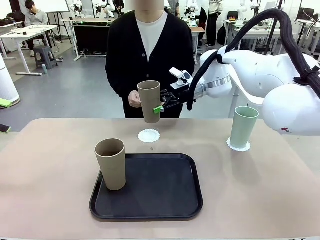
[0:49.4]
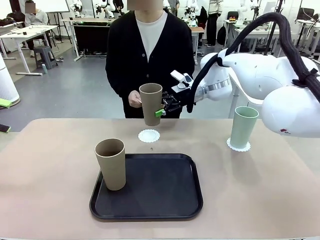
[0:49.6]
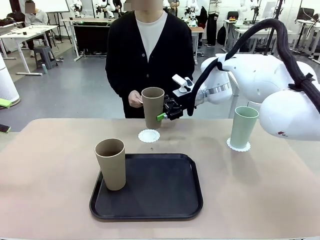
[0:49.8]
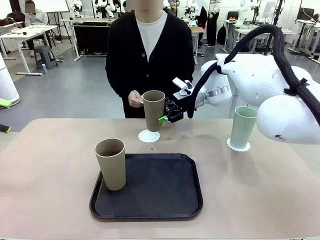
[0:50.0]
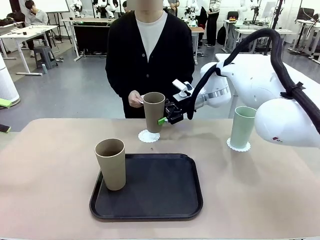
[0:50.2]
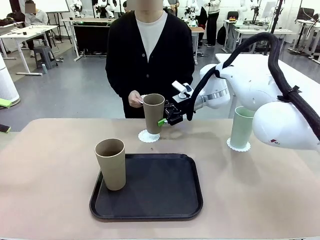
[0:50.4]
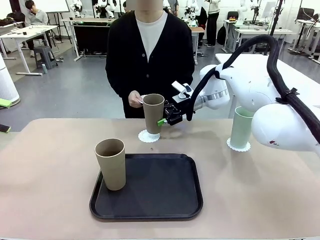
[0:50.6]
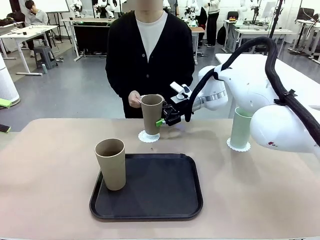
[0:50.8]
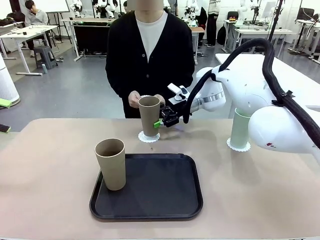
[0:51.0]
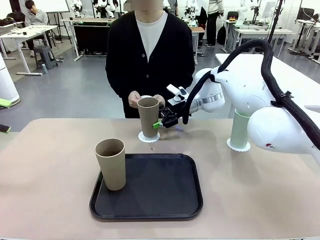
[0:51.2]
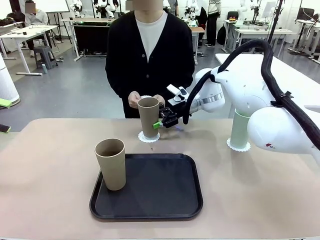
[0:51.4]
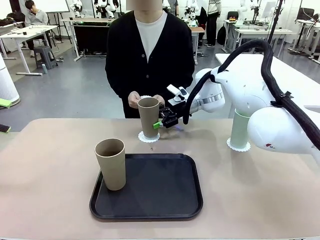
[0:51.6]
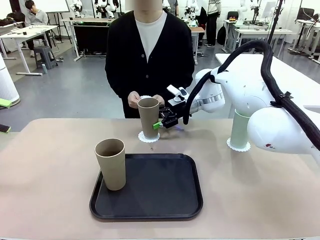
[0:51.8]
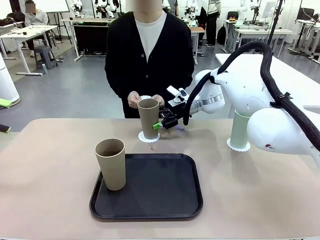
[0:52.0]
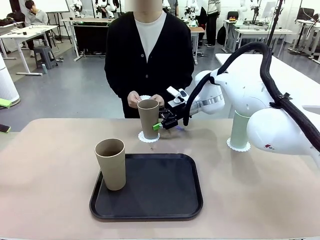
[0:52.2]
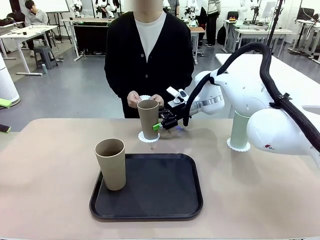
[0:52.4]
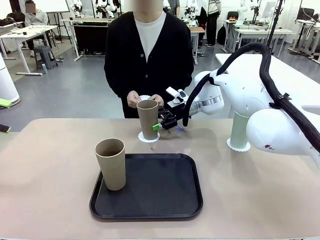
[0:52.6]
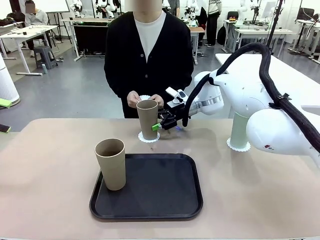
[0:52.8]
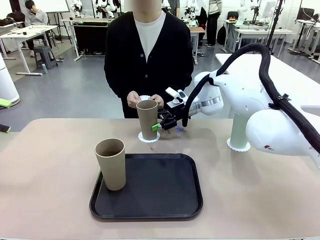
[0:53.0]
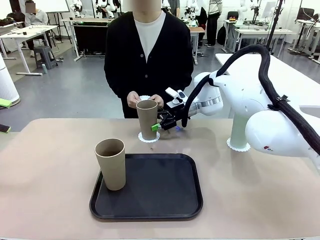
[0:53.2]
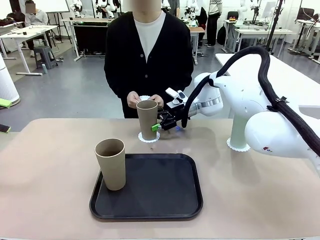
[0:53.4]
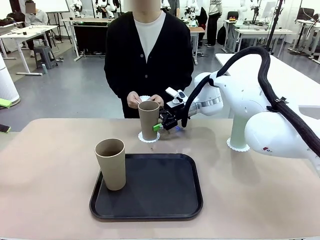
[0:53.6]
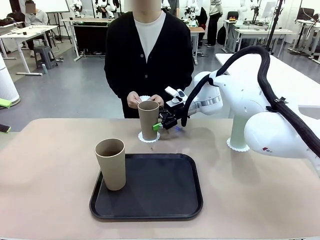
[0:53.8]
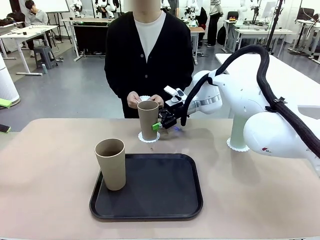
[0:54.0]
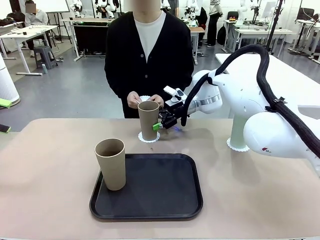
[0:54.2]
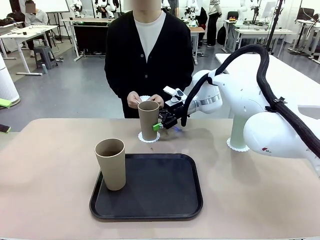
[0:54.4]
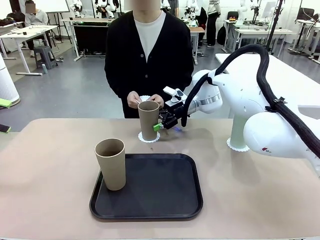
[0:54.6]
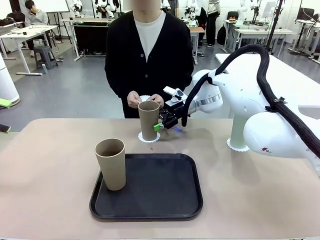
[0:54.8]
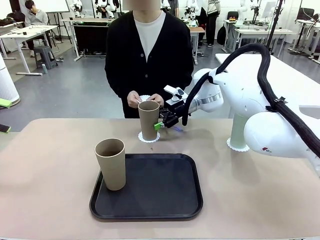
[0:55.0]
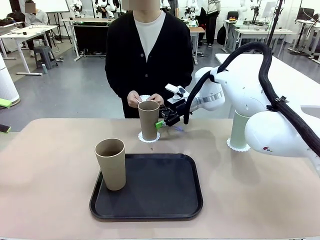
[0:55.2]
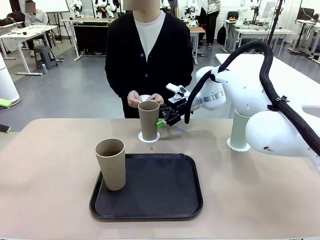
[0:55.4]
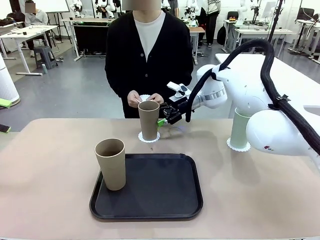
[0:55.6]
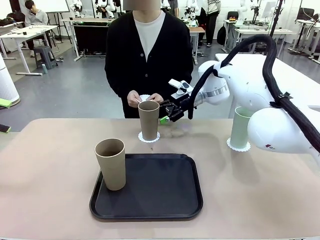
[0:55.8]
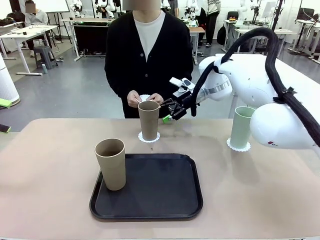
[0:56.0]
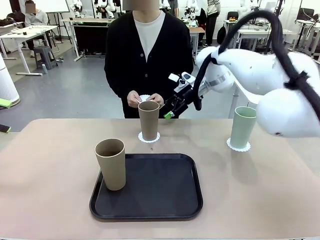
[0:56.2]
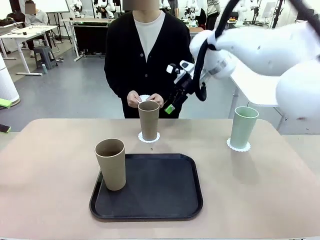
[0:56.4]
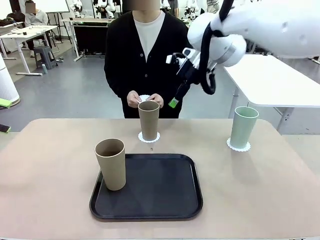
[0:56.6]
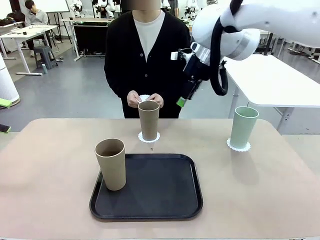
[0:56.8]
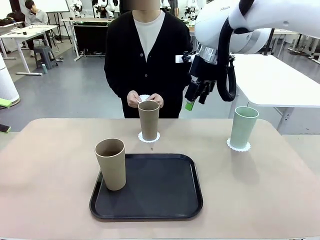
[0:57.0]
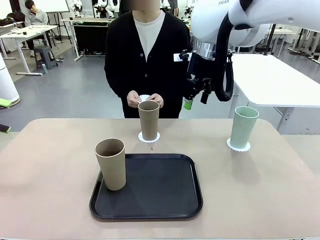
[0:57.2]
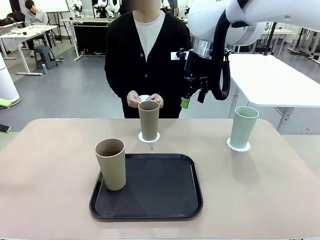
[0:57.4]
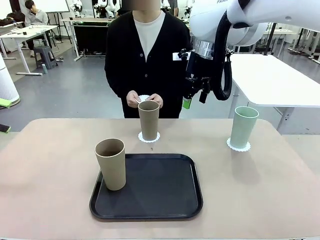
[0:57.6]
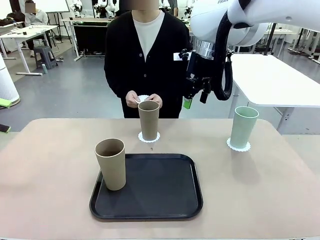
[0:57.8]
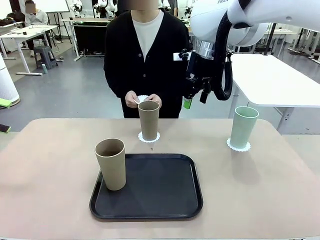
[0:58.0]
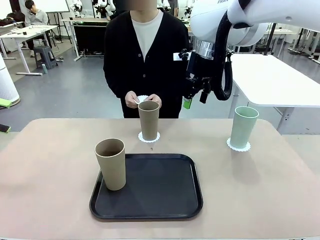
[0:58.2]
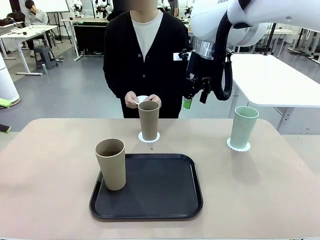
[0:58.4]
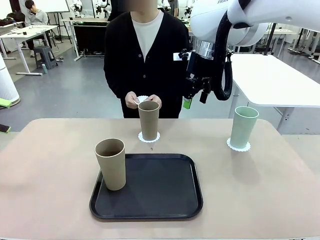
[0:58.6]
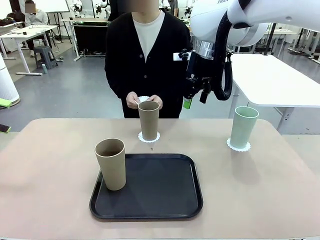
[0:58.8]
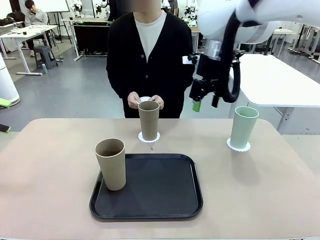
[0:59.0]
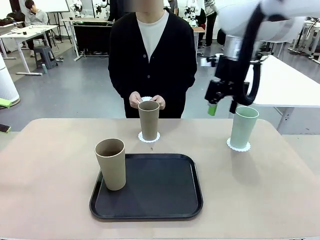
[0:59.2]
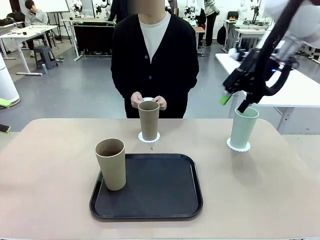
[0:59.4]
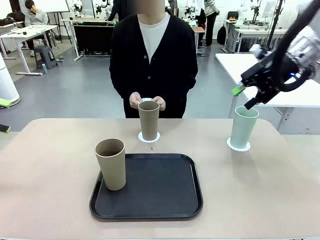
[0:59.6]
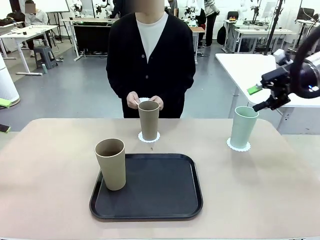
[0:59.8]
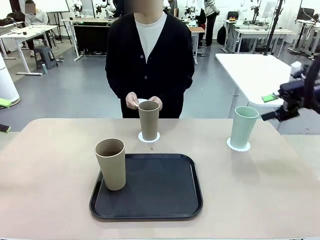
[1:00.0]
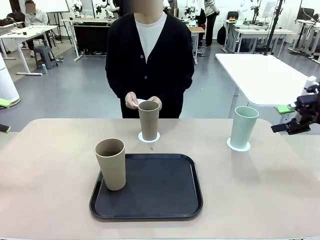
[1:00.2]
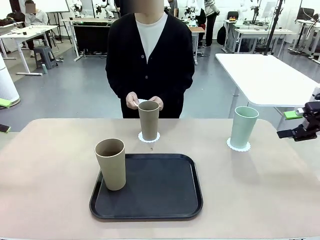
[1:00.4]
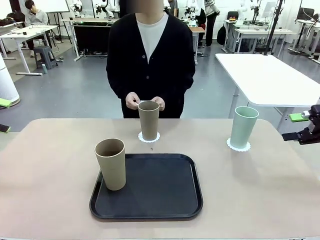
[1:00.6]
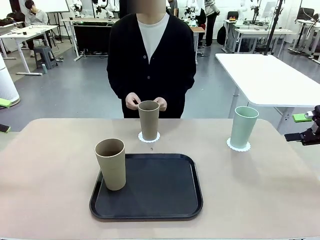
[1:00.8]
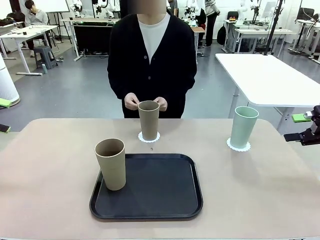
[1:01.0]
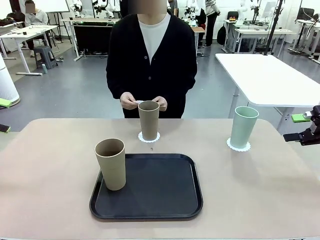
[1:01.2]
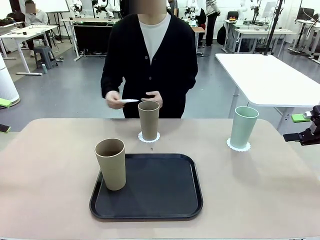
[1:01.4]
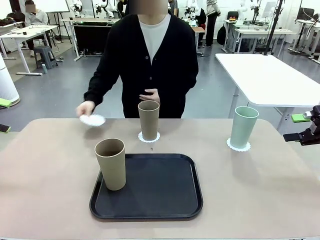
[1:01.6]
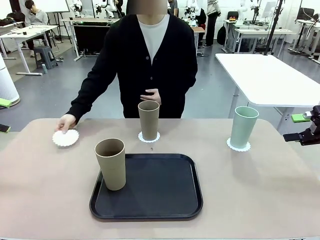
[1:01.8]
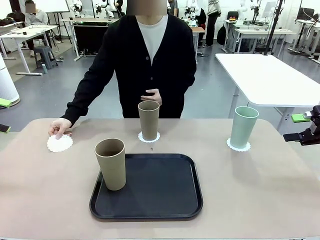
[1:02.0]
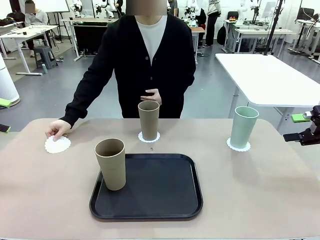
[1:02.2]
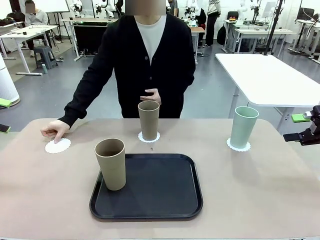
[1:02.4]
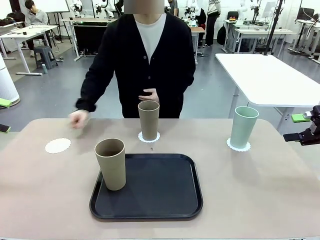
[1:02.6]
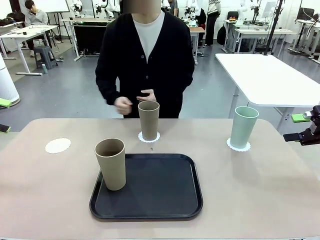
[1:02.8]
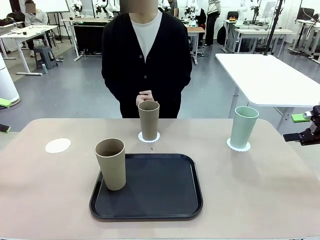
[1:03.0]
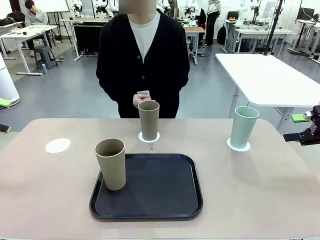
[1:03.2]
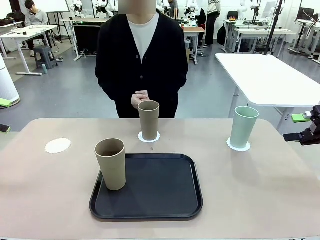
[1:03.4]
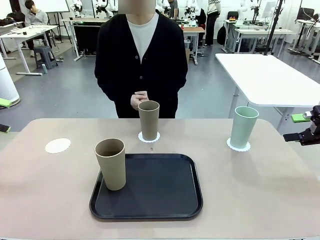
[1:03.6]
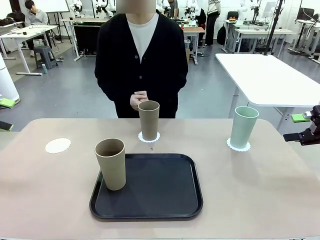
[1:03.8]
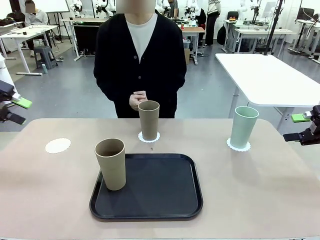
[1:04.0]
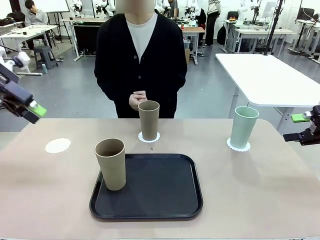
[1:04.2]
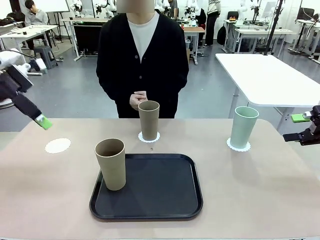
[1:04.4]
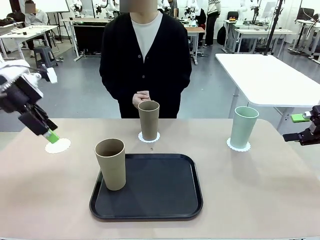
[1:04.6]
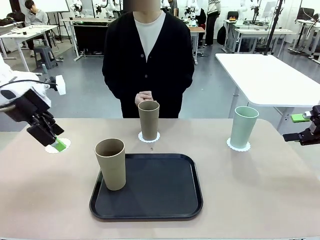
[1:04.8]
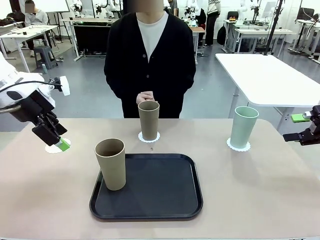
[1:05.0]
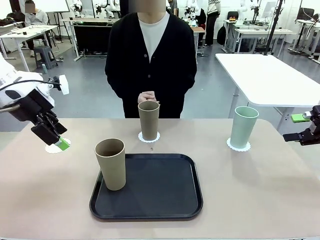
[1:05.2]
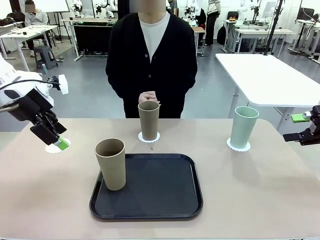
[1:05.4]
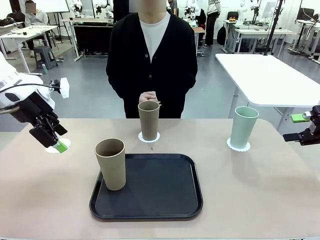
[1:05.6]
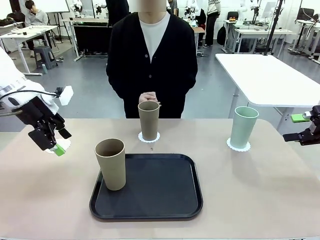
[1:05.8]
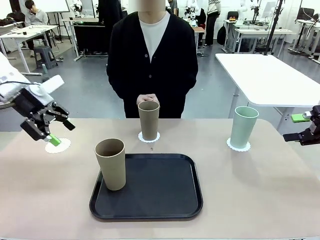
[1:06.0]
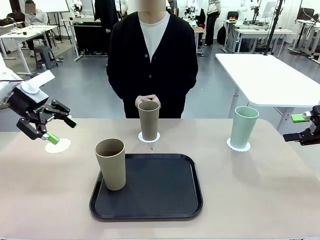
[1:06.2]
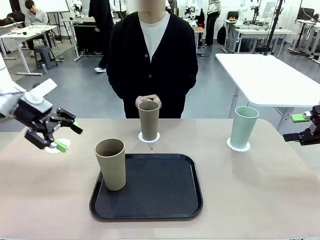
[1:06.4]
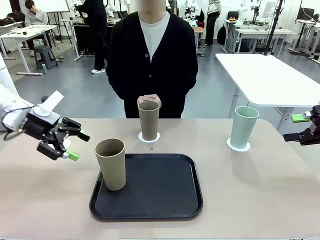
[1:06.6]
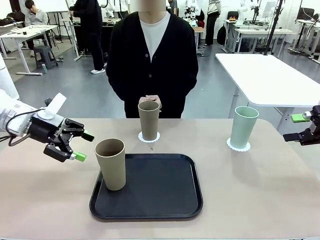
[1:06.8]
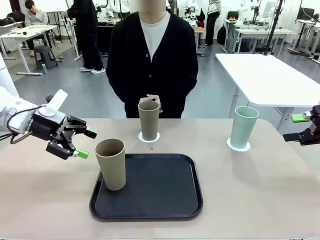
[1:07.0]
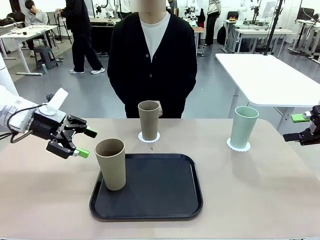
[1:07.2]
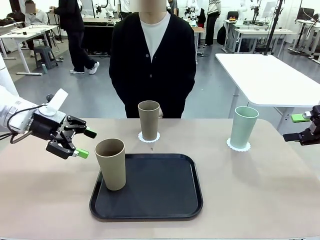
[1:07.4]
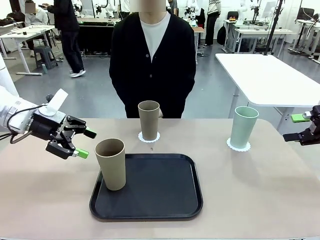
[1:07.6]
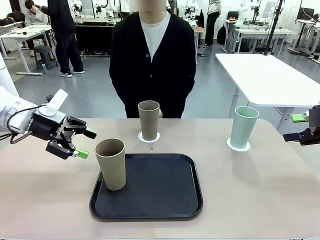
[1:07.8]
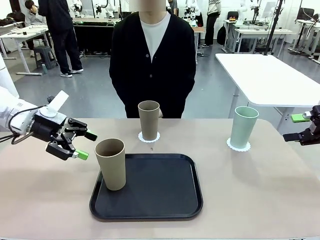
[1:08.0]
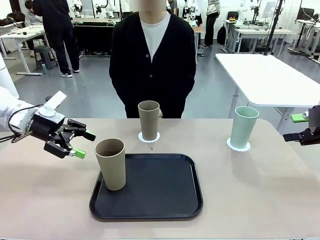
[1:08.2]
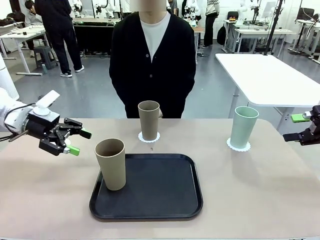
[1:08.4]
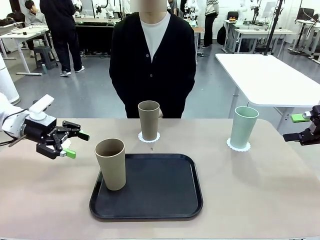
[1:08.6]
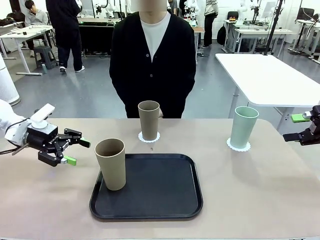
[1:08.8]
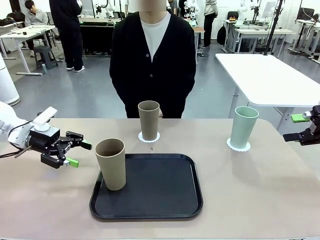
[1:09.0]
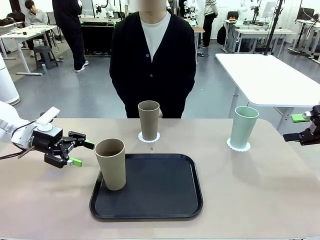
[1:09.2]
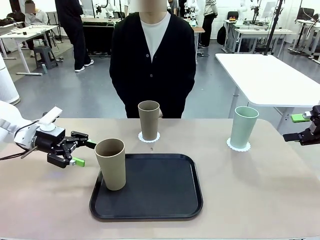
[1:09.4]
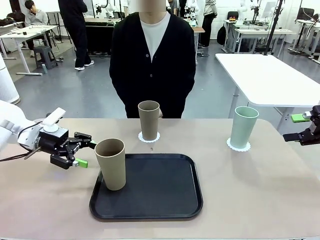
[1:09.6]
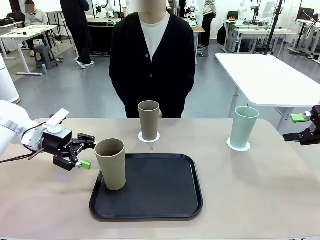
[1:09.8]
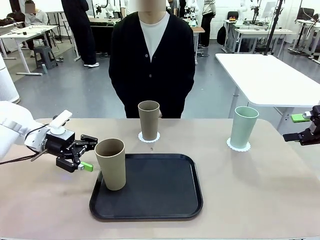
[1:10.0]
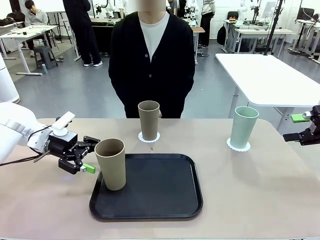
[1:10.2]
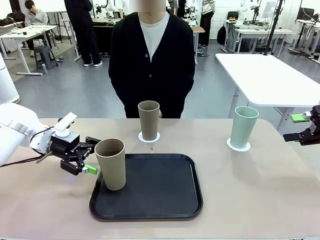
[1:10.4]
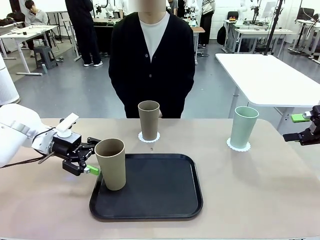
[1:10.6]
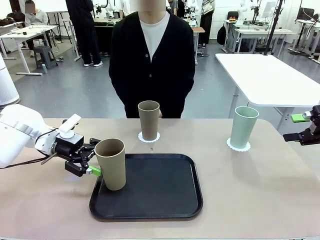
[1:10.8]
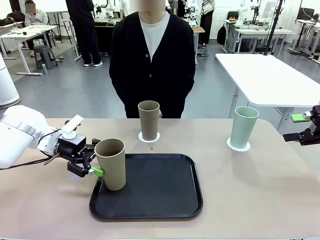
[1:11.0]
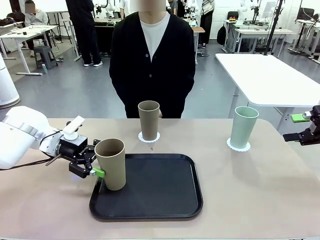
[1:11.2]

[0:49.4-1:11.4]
Task: Place coasters on the table and set cups on them.
Robot: Take one Reusable plastic cup from the Flat Tray and place it on a coaster set by the human.
